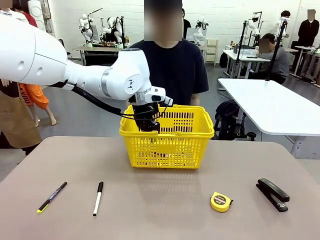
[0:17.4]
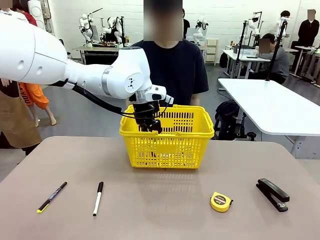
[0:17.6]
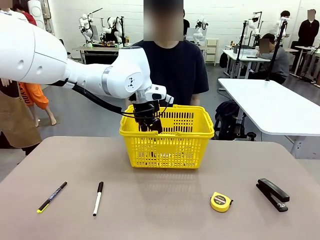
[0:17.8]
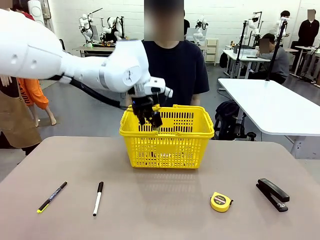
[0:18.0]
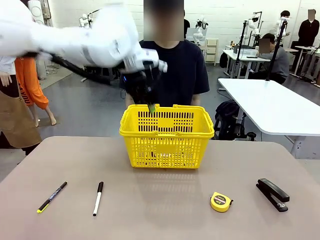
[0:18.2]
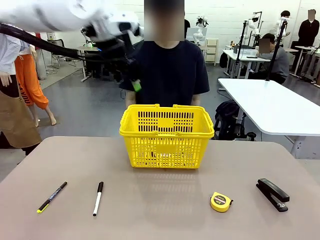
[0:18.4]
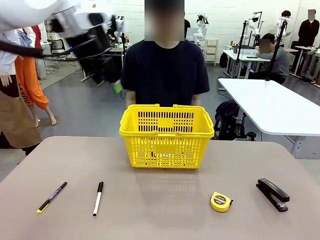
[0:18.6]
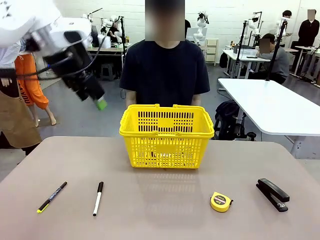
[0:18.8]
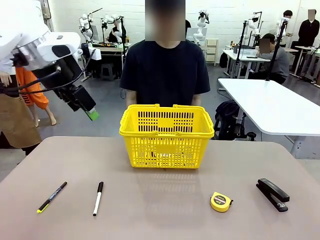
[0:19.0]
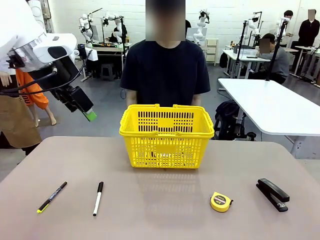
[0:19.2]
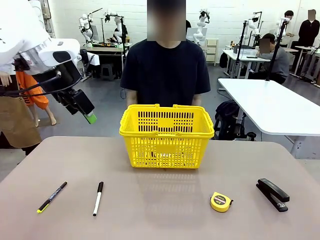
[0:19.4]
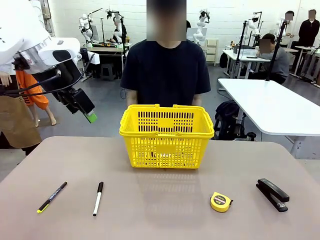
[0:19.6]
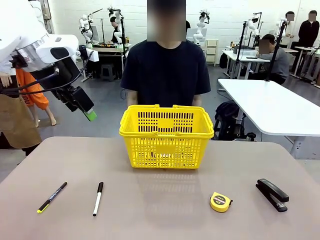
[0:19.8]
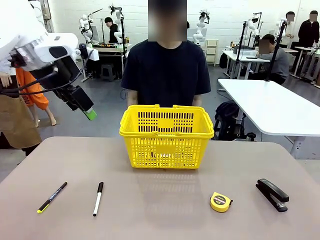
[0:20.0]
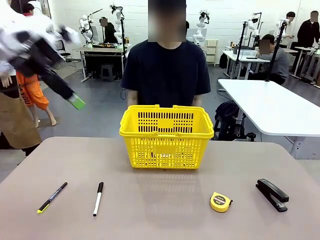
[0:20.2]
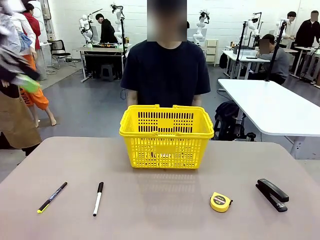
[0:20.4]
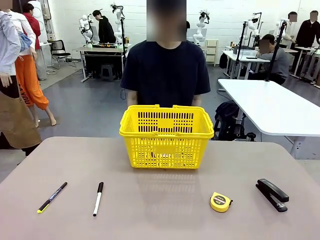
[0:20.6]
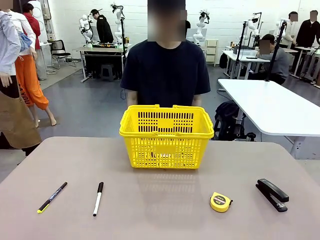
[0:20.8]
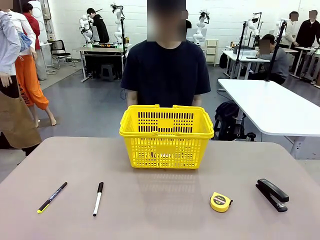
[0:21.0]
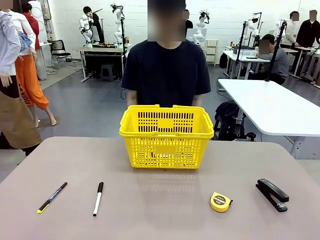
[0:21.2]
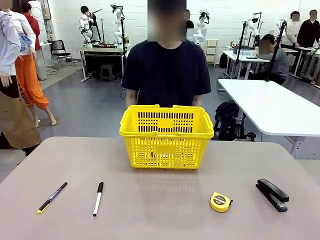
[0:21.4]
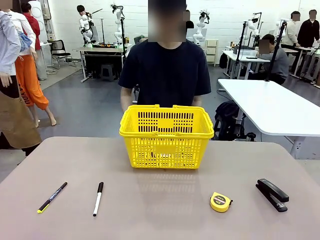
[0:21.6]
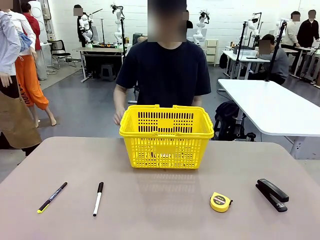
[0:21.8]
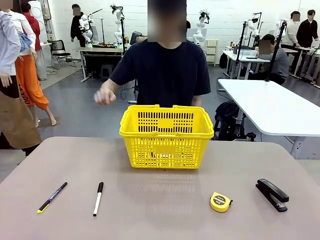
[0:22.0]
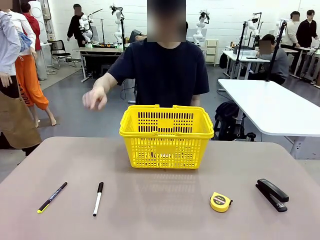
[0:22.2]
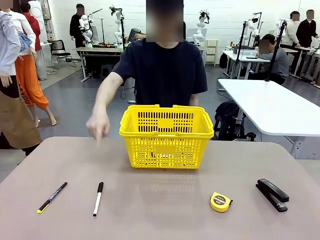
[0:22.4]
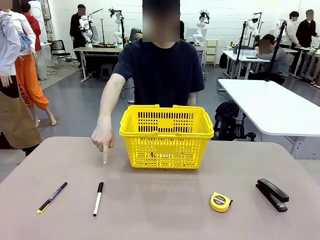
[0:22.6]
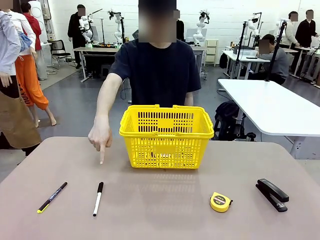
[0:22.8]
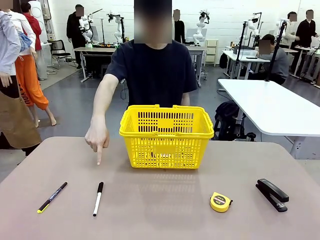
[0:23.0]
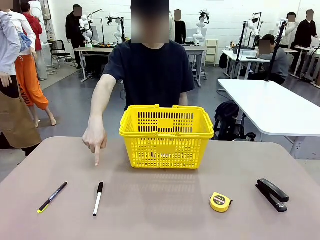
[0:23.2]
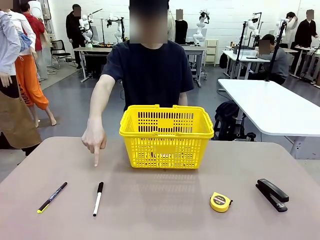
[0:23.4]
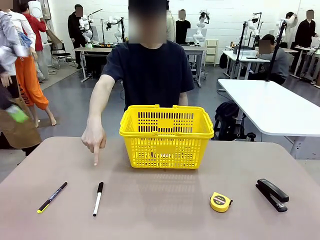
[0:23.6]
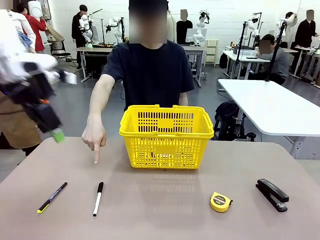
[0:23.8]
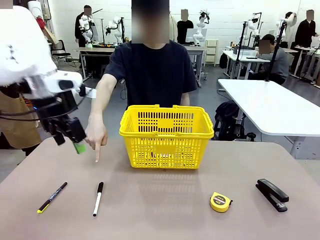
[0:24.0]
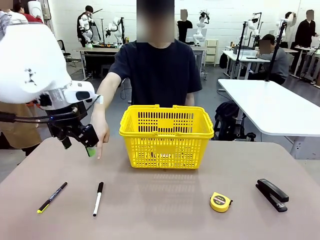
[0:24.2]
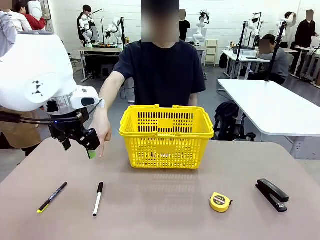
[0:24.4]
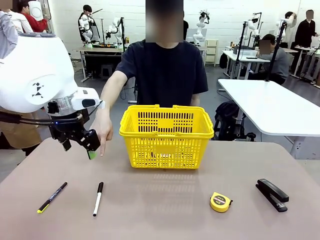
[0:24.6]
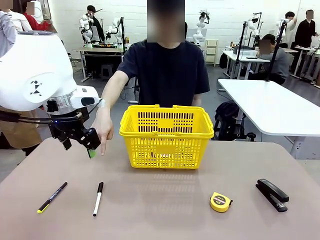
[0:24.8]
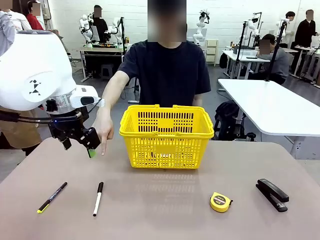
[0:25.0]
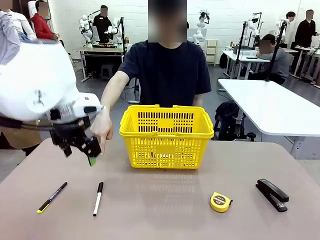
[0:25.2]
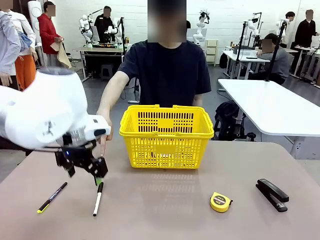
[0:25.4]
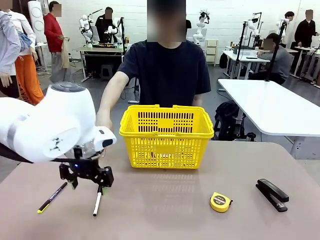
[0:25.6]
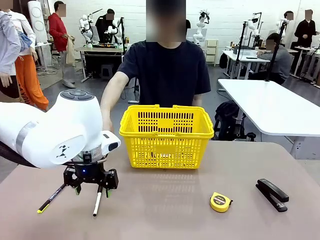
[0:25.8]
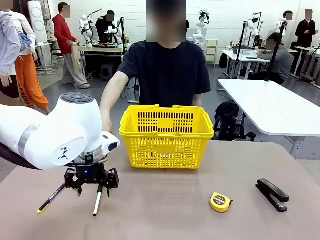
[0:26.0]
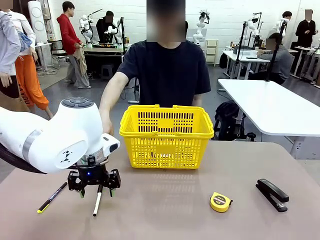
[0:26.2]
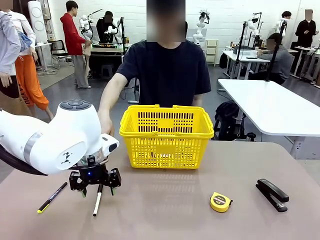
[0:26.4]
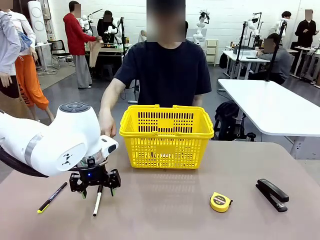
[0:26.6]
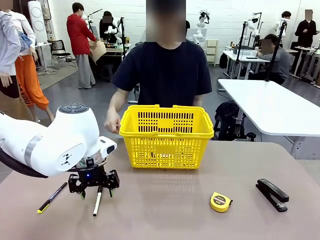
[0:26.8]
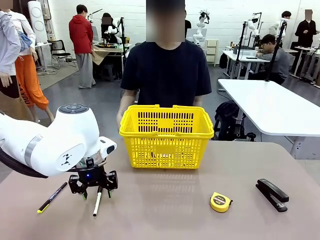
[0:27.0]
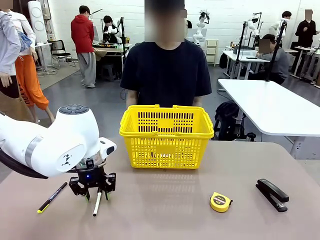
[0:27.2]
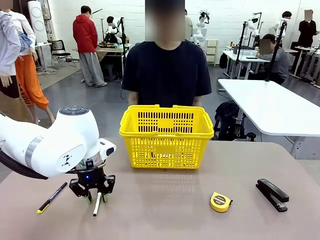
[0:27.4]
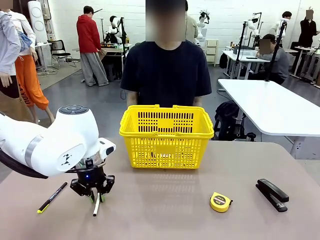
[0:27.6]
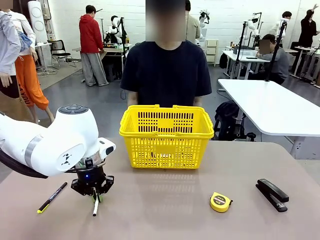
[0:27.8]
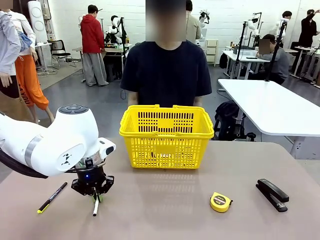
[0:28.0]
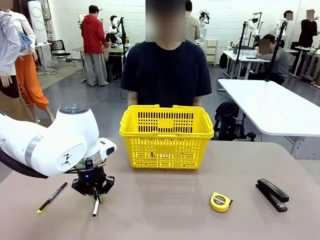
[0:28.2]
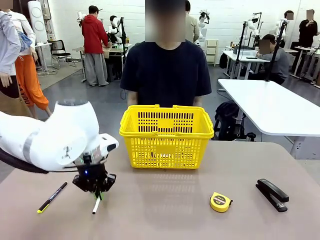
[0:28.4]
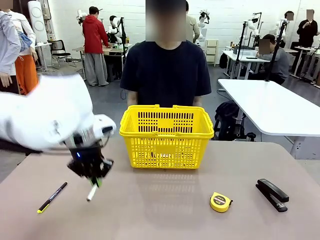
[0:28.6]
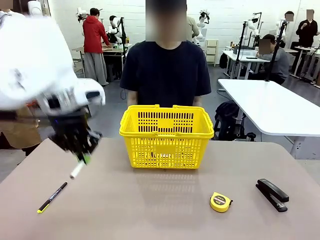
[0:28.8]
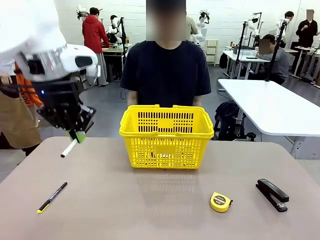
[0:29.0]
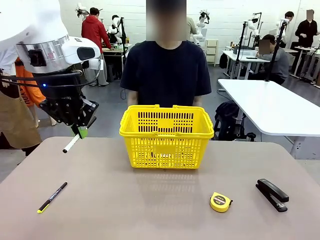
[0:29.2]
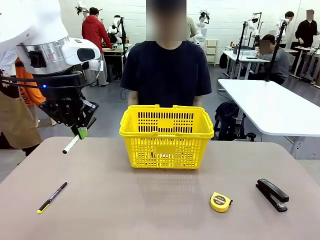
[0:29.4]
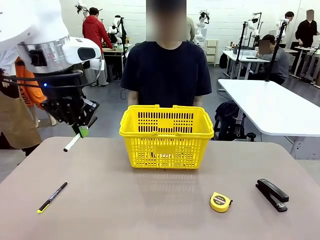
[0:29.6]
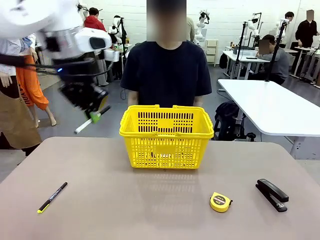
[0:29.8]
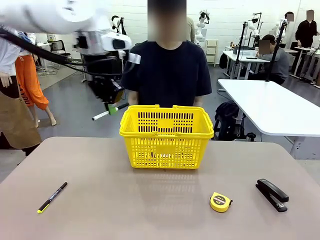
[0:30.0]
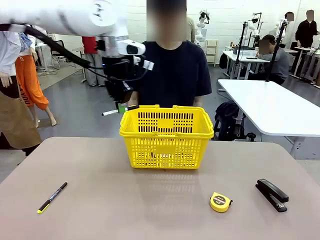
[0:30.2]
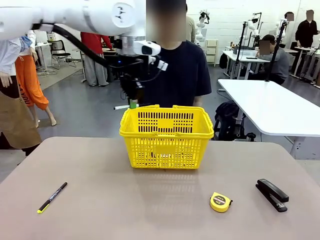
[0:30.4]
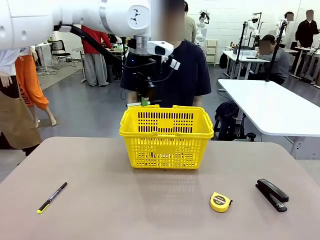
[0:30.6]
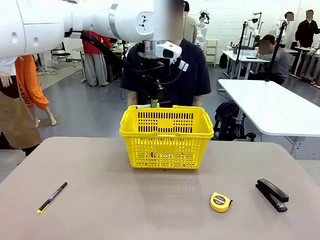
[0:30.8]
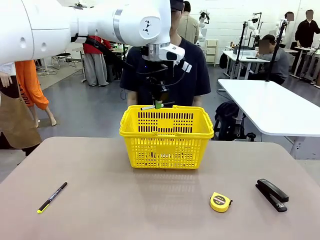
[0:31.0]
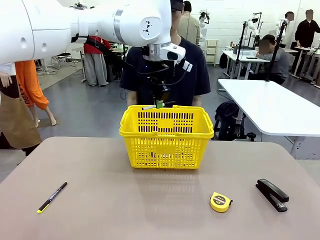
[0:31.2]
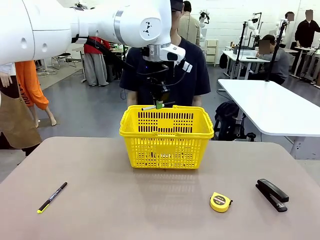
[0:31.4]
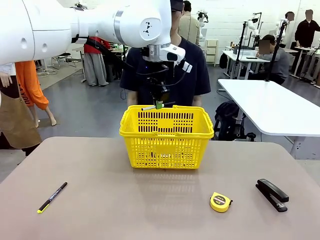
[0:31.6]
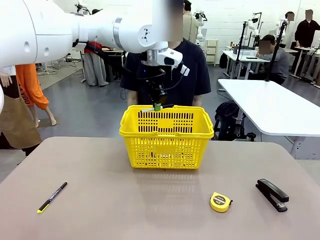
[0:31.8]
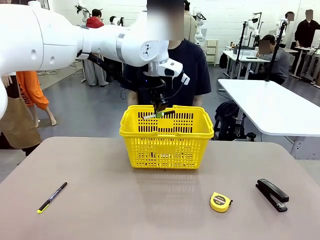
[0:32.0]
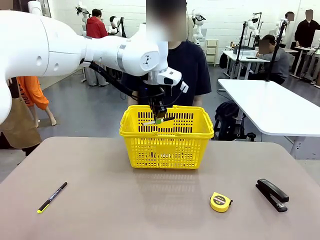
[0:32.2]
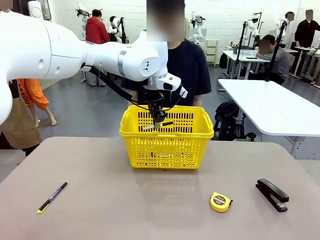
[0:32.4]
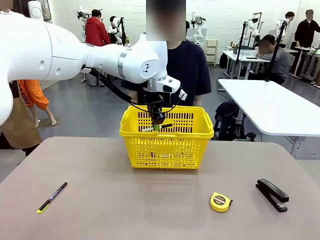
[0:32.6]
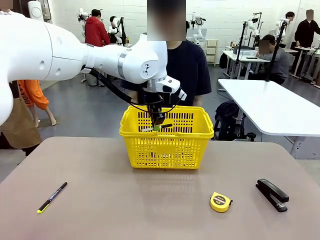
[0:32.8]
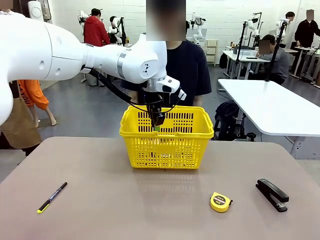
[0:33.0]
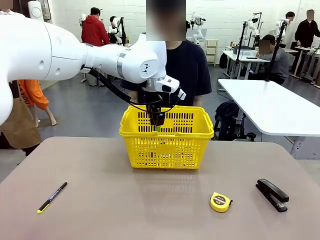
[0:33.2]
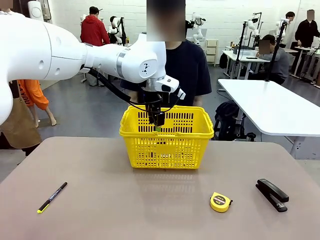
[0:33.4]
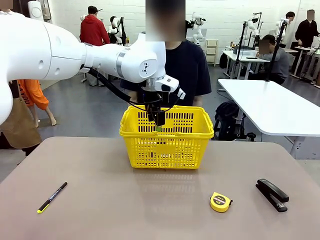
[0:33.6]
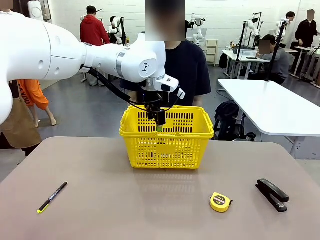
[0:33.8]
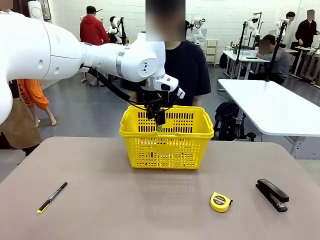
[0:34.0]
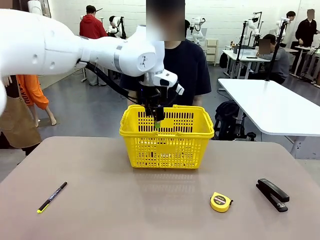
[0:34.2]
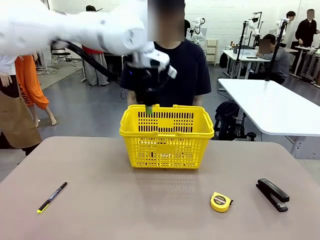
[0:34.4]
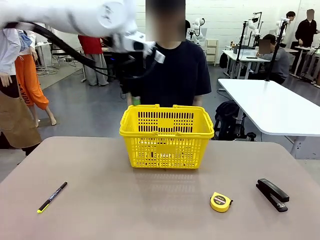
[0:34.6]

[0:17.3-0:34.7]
Task: Place the items the person wants into the basket.
Robot: Pick up the item the person points to and place it in the Market Basket.
